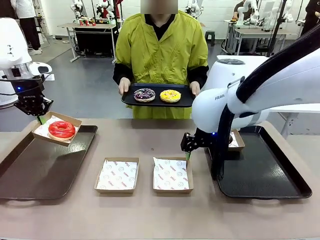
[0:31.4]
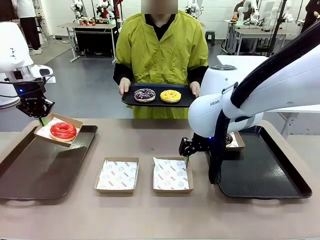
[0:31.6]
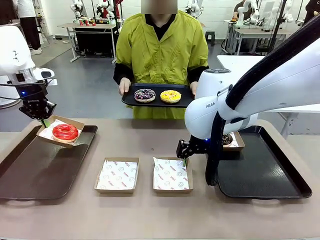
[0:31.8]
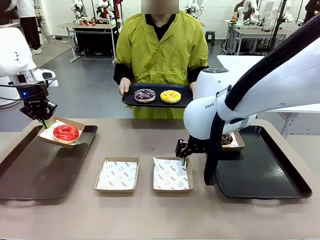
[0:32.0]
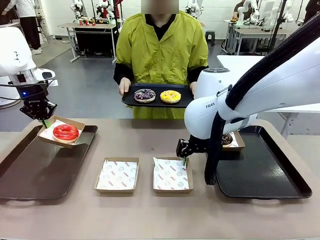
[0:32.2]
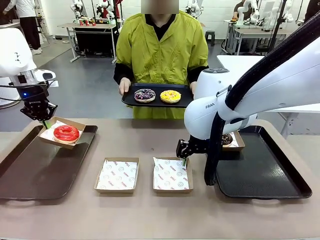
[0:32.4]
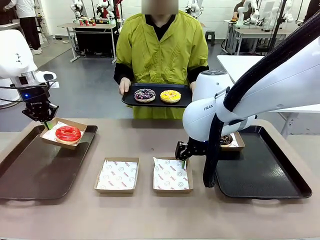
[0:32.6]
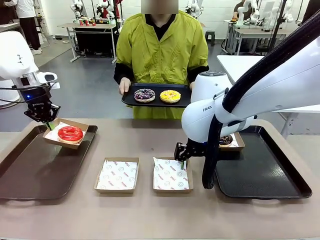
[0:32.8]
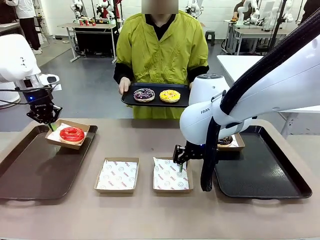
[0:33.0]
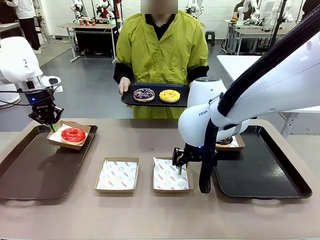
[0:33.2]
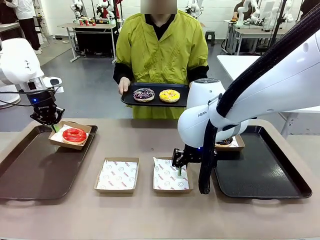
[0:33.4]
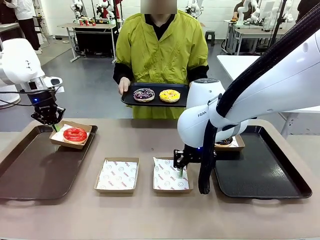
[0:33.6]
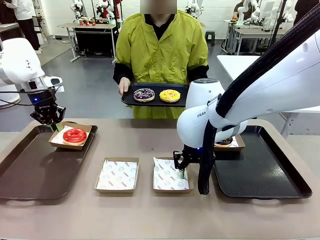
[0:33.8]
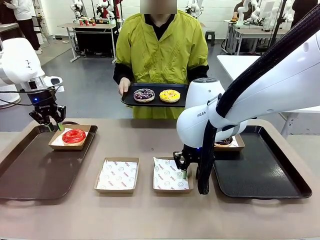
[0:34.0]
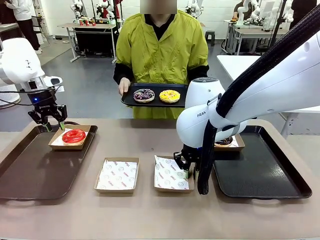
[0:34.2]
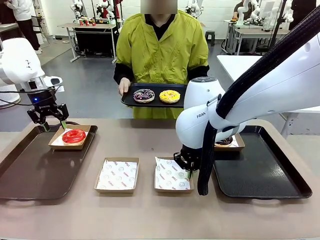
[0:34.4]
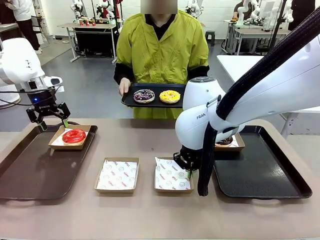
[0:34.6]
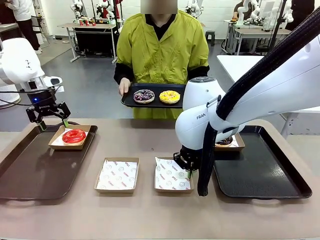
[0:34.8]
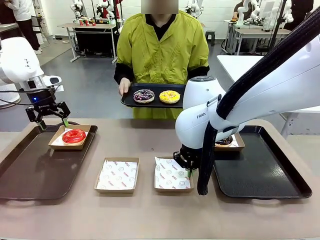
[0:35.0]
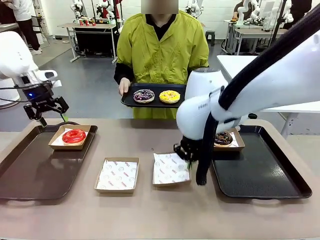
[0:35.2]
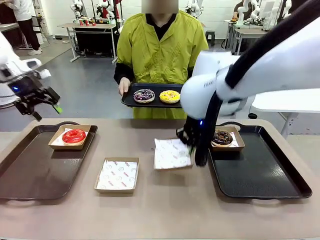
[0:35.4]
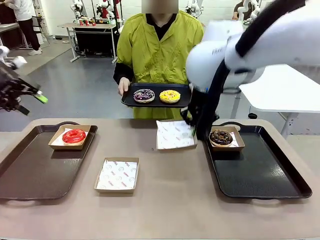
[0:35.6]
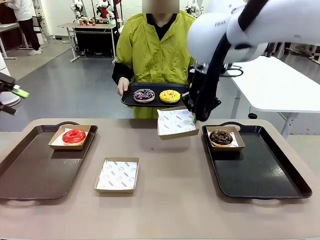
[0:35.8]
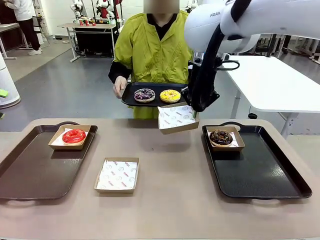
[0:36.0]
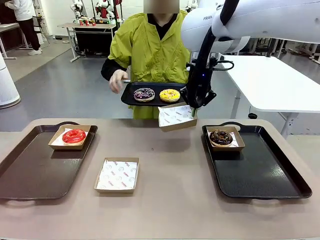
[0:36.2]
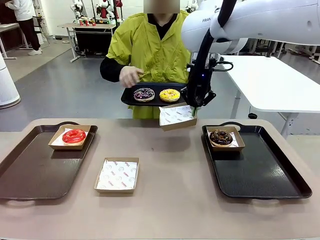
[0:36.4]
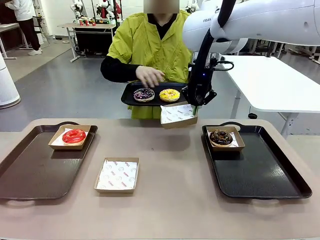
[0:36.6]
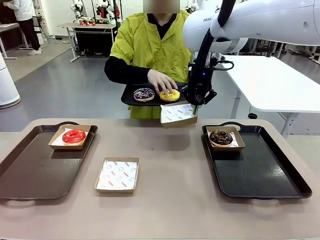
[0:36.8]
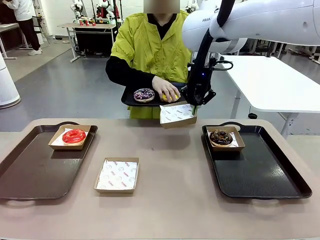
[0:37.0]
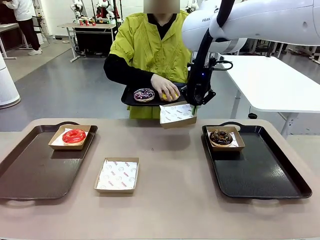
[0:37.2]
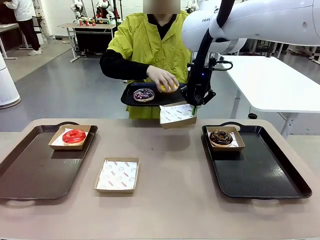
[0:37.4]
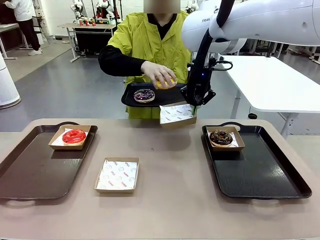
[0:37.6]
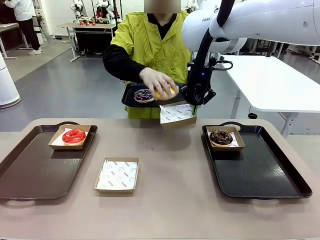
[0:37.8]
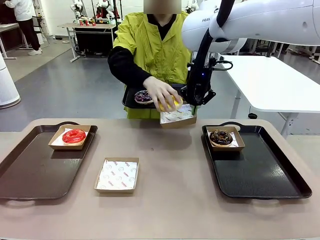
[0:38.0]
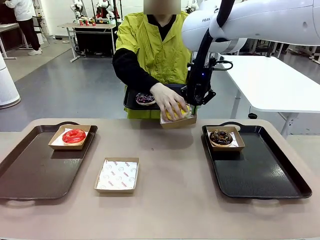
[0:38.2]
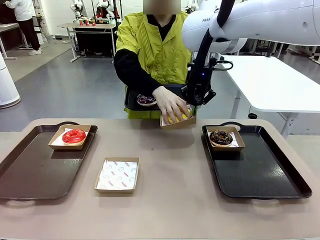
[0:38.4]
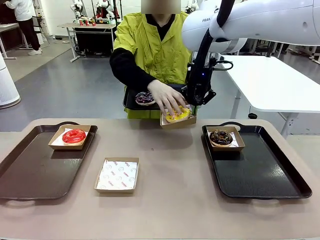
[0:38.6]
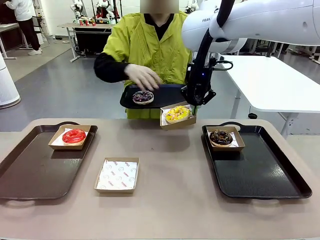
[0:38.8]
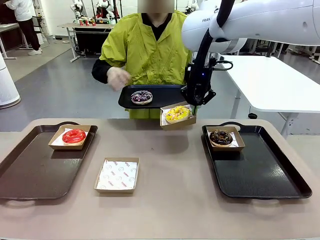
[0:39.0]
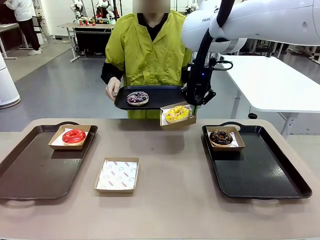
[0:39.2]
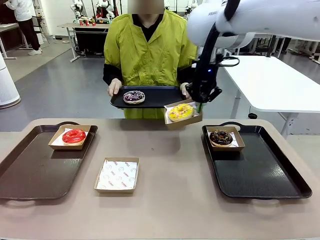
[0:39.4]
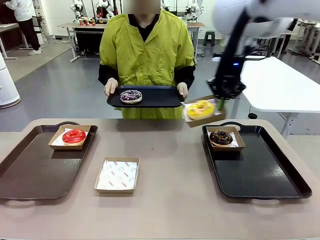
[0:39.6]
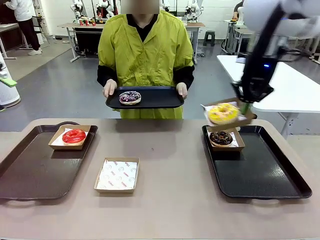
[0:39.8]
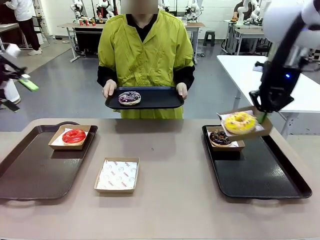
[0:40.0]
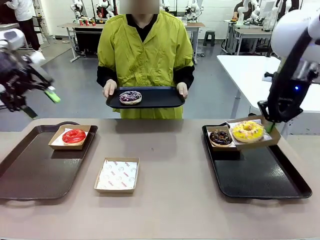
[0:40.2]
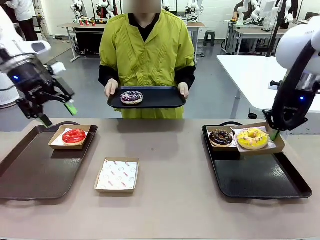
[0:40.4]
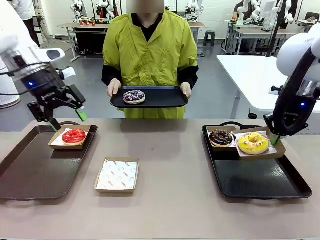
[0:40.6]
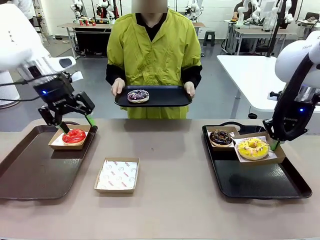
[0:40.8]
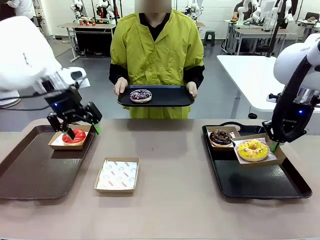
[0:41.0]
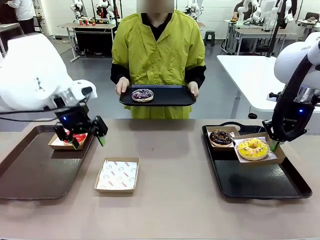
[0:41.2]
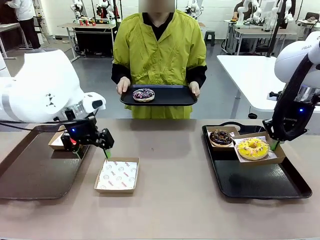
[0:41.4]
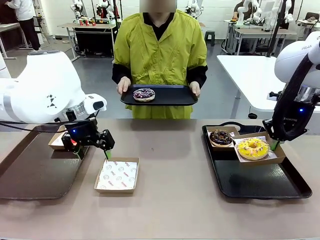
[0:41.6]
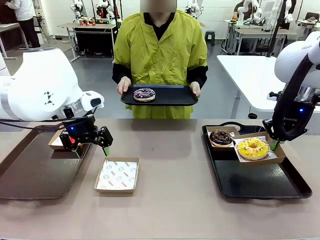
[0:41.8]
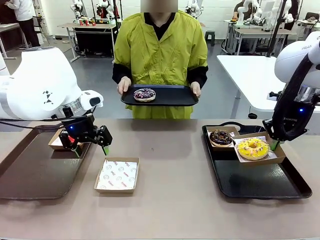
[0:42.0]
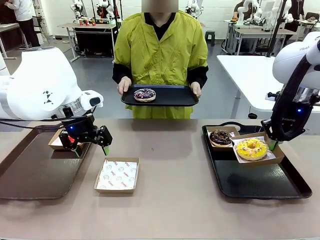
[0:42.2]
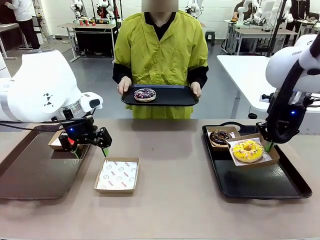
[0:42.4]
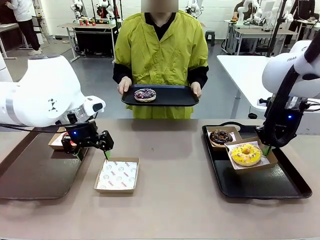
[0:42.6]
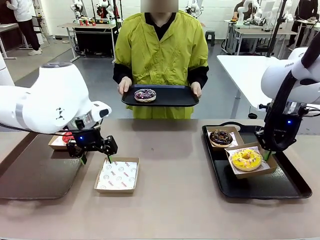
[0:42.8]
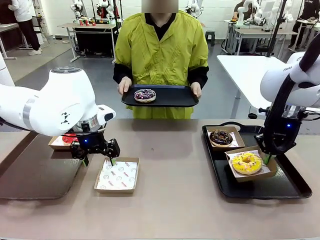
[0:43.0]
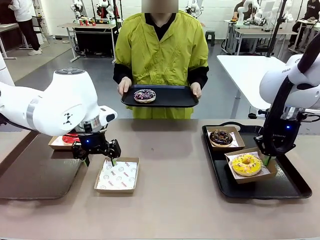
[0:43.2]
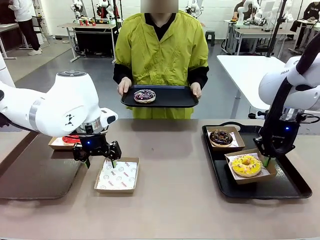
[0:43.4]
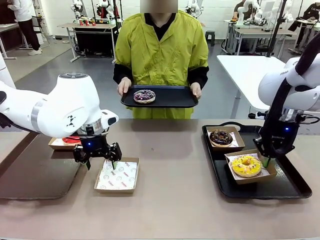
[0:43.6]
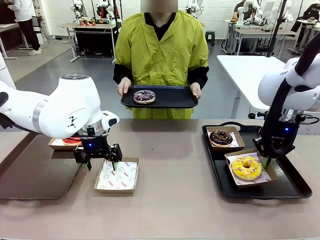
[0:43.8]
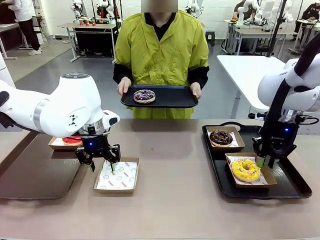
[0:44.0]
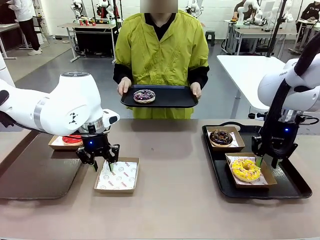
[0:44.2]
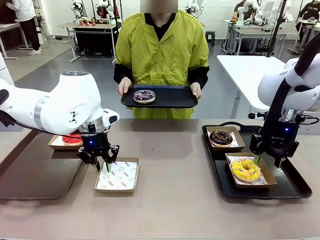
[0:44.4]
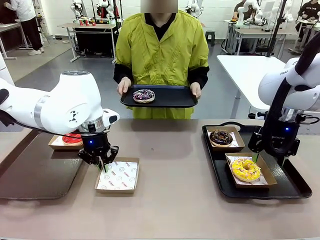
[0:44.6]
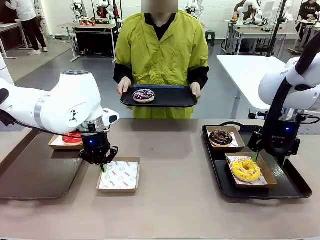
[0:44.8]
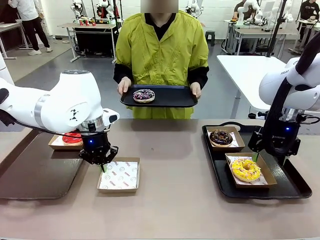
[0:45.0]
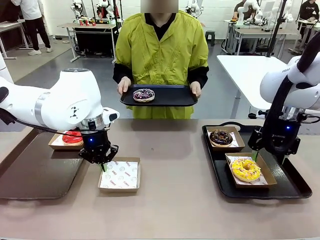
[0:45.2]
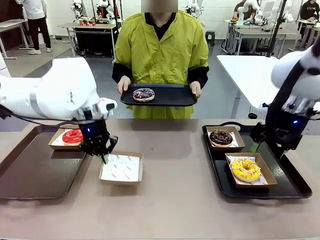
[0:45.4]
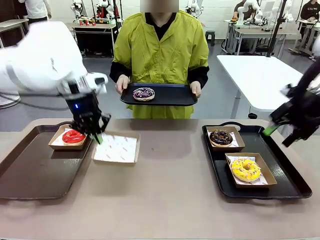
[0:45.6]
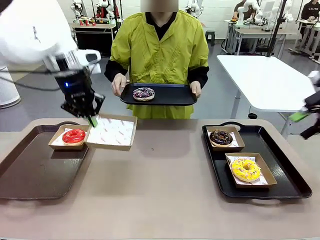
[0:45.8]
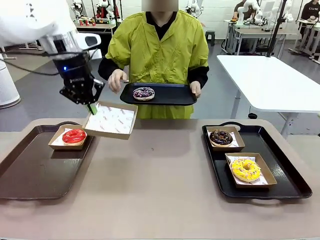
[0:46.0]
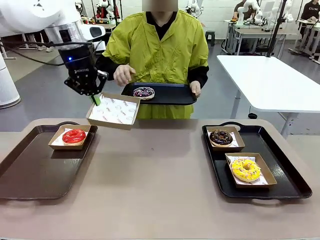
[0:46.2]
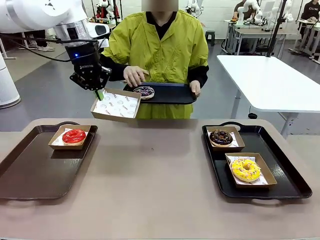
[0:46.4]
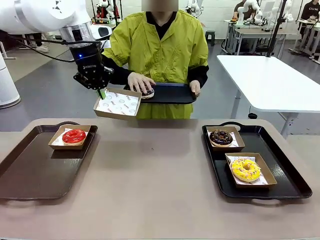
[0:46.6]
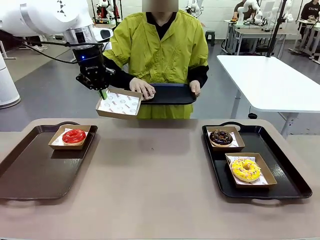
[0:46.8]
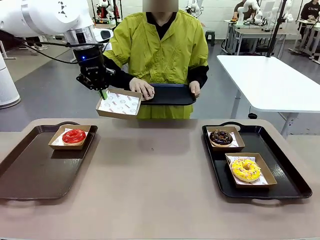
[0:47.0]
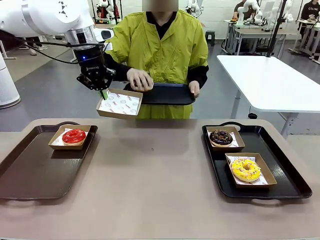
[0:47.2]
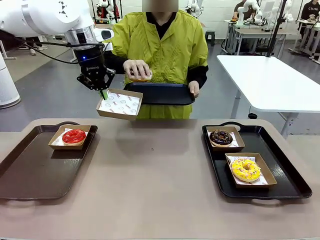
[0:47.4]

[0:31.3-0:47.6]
Task: Individually package the donuts and arrange them on the tray.
Robot: Place the picked Paper togo box on the Handle tray while simultaneously picking up another Paper togo box from the table with the other hand.

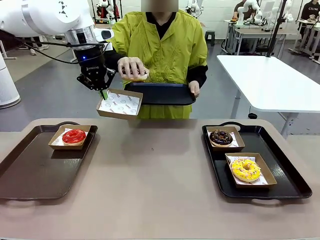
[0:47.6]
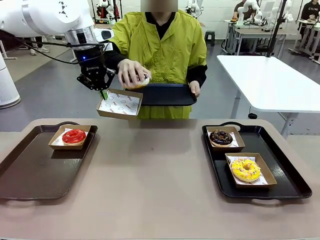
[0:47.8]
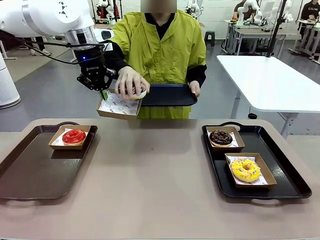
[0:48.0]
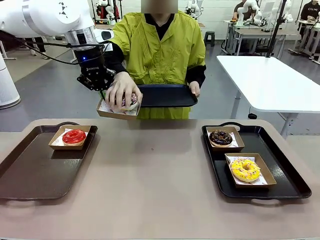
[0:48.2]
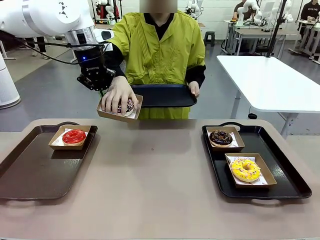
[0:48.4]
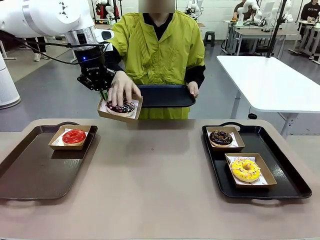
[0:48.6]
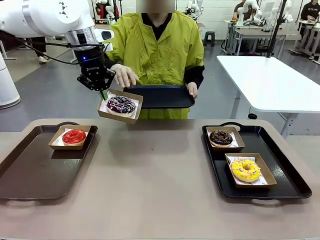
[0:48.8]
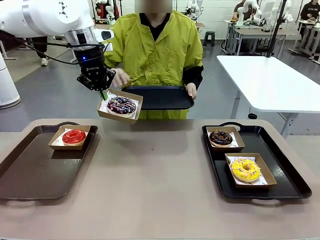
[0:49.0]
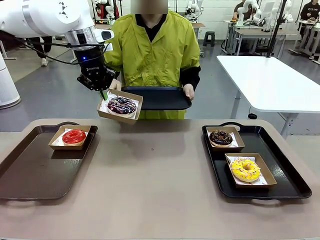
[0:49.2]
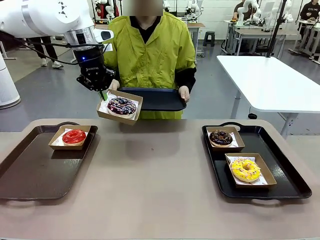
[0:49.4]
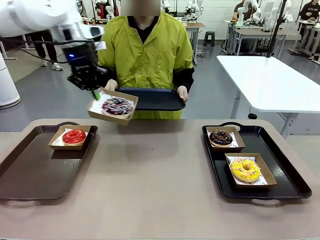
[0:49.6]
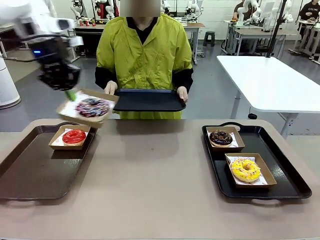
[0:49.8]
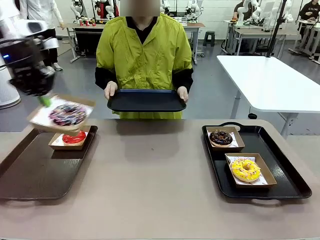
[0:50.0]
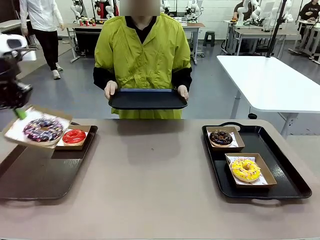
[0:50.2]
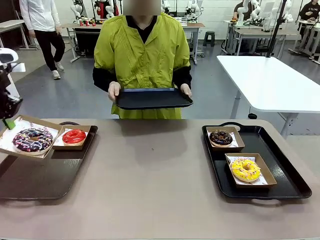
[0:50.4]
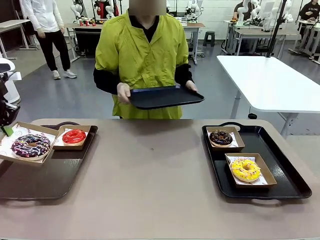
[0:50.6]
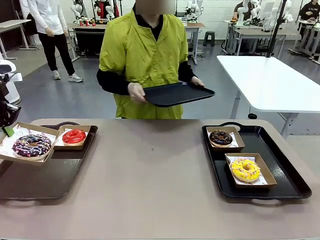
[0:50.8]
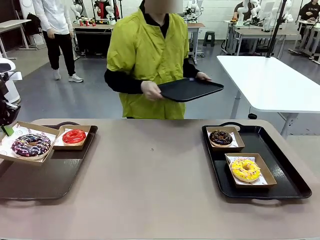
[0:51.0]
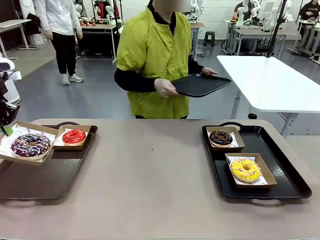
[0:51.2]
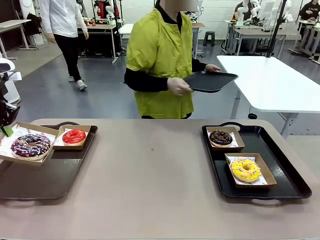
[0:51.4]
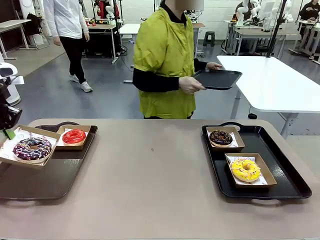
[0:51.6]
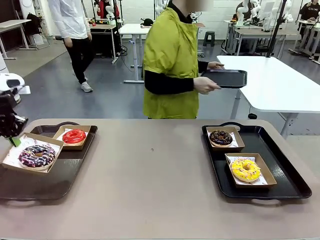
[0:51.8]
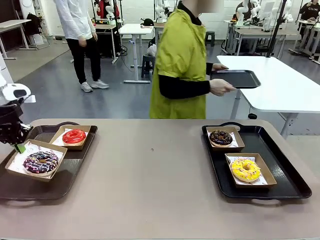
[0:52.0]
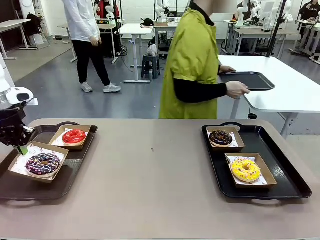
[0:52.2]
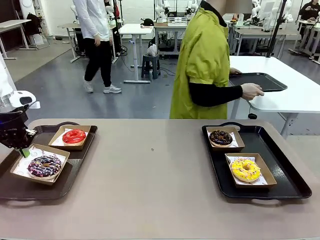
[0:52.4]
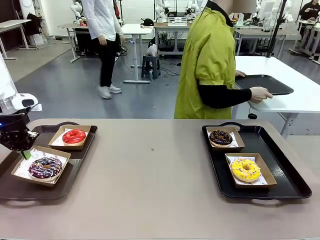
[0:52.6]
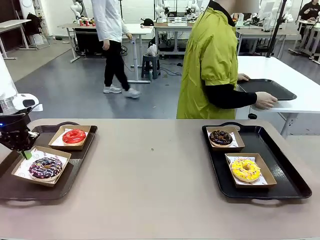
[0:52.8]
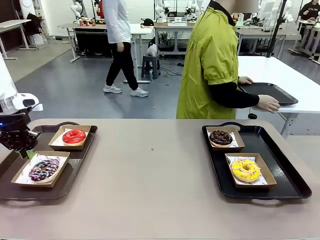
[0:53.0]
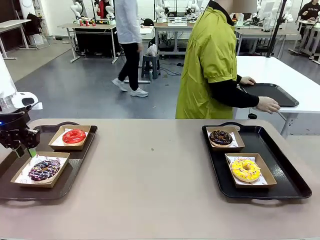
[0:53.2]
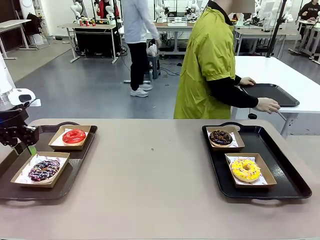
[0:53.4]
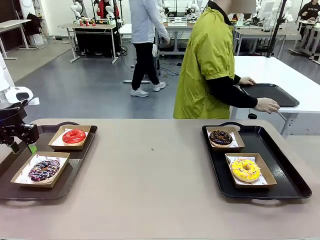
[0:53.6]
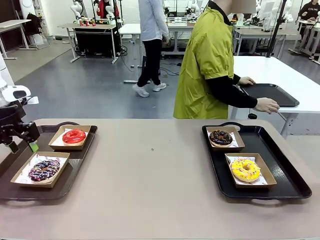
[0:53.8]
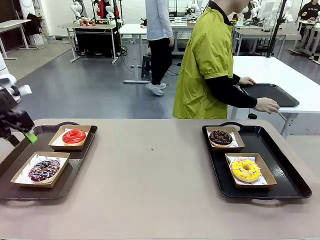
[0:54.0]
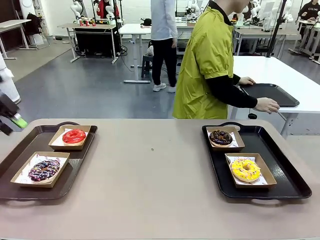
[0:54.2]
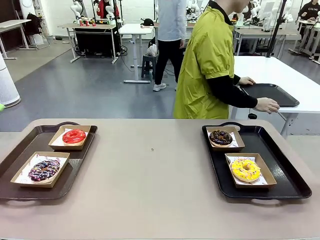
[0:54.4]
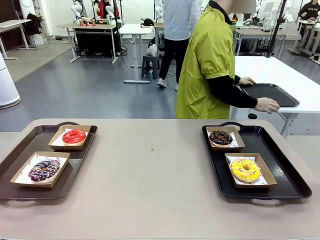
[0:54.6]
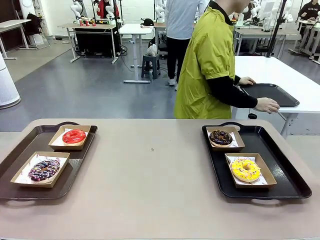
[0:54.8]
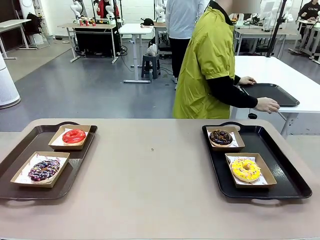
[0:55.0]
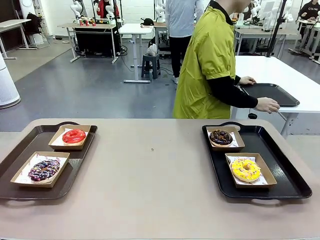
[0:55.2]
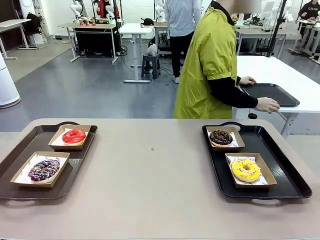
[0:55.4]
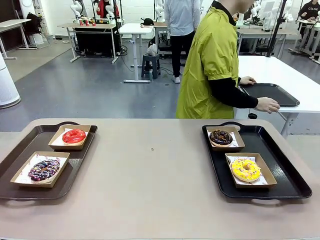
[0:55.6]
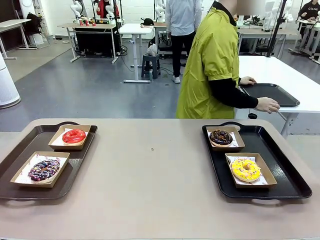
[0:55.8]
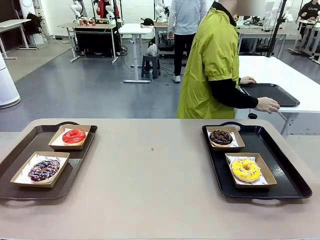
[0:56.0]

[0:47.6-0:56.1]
Robot: Place the picked Paper togo box on the Handle tray.
Person: Place the tray down in the middle of the human table.
